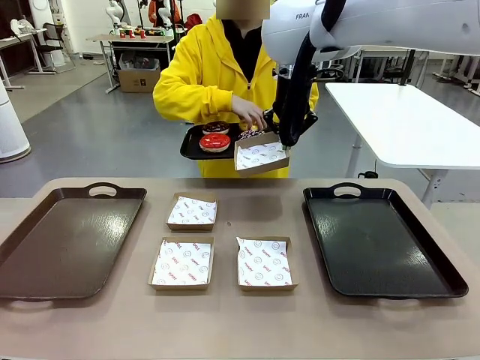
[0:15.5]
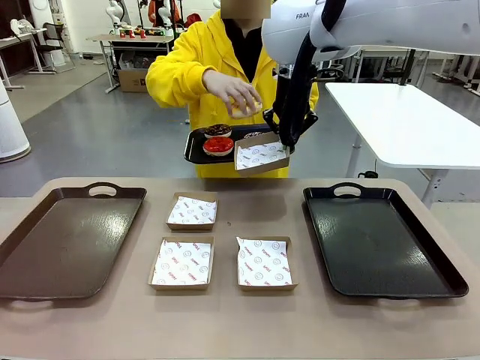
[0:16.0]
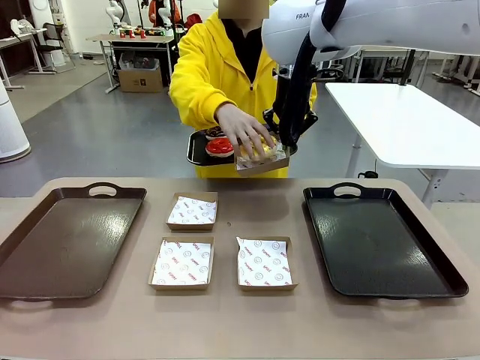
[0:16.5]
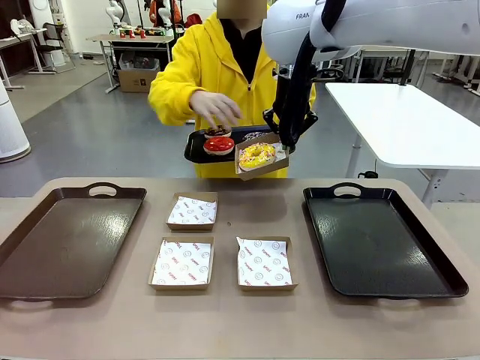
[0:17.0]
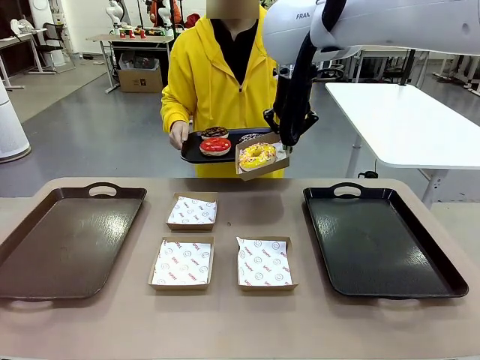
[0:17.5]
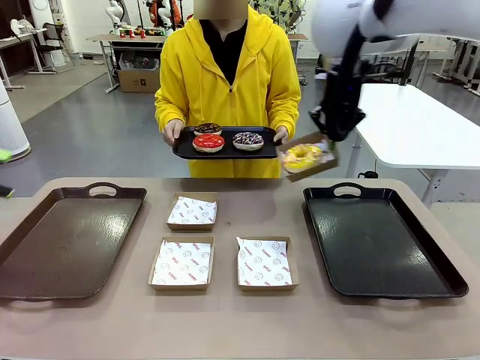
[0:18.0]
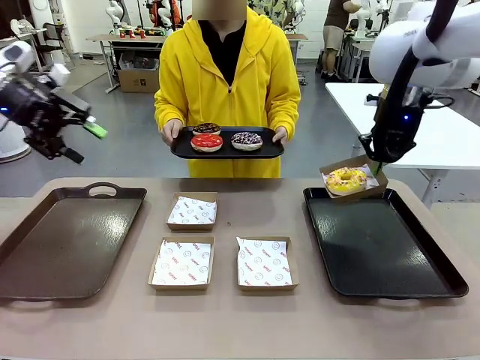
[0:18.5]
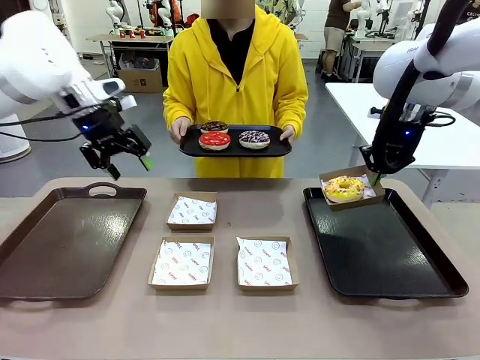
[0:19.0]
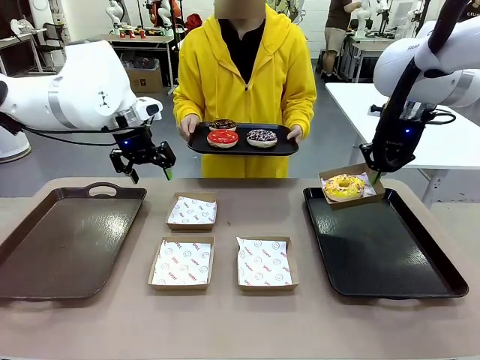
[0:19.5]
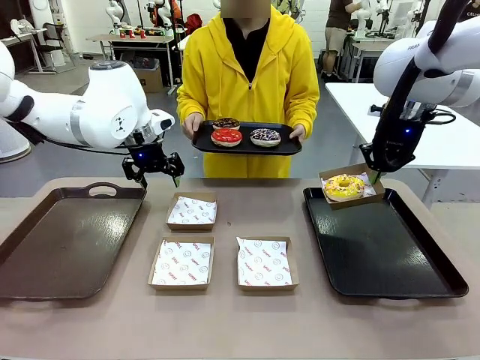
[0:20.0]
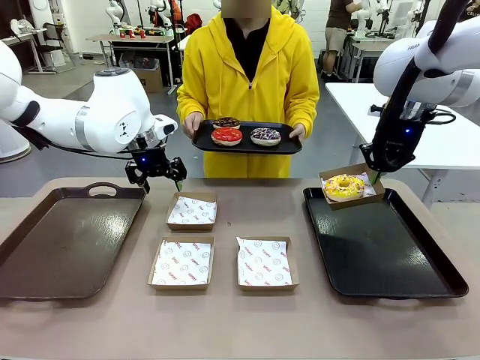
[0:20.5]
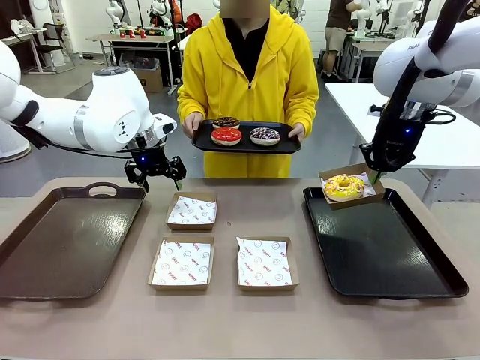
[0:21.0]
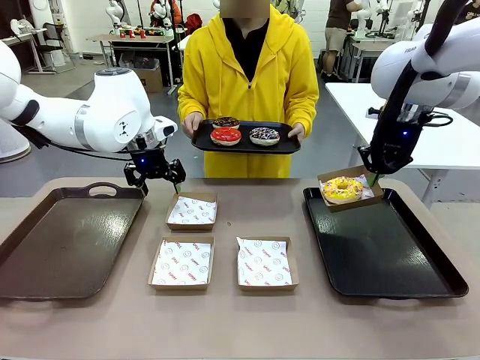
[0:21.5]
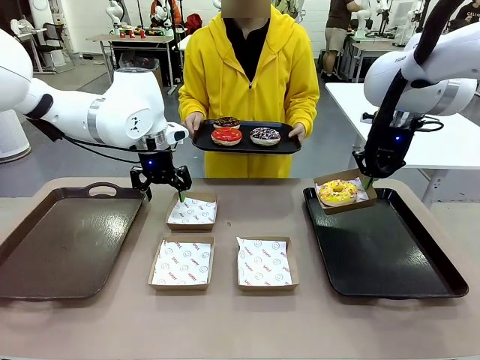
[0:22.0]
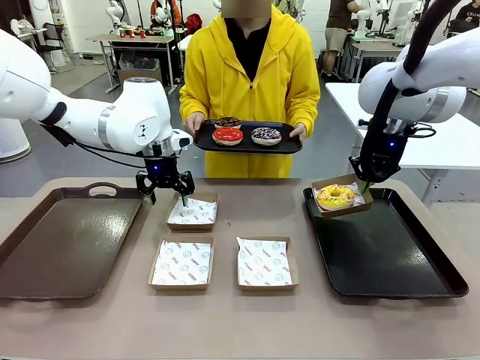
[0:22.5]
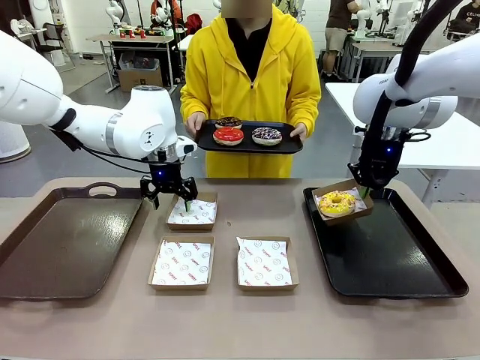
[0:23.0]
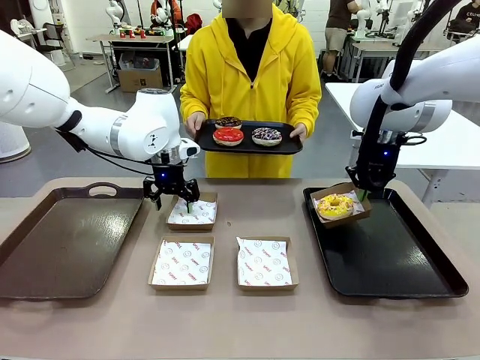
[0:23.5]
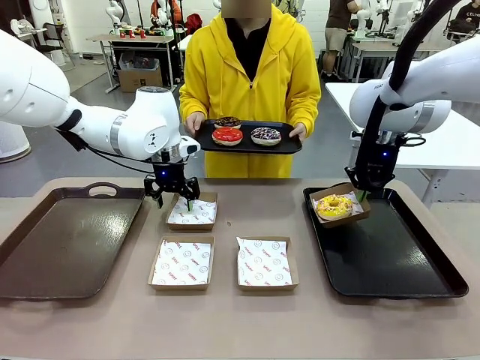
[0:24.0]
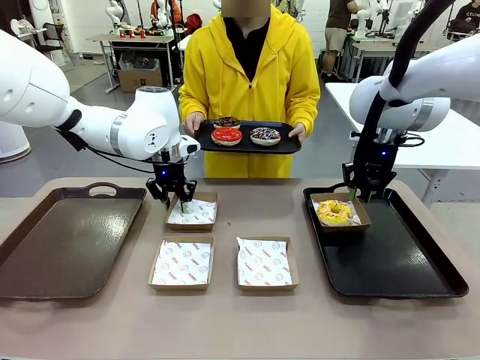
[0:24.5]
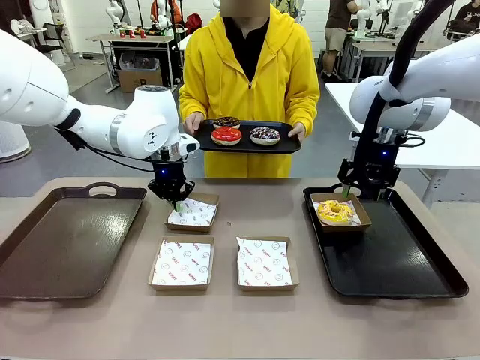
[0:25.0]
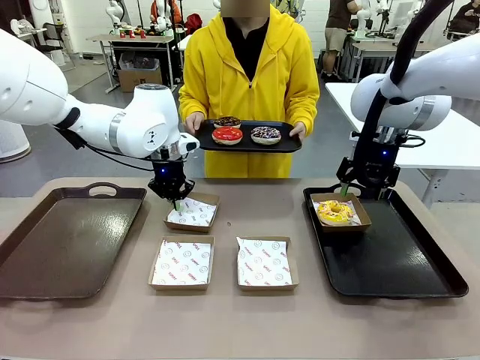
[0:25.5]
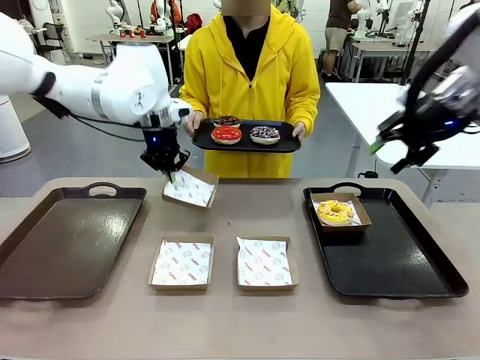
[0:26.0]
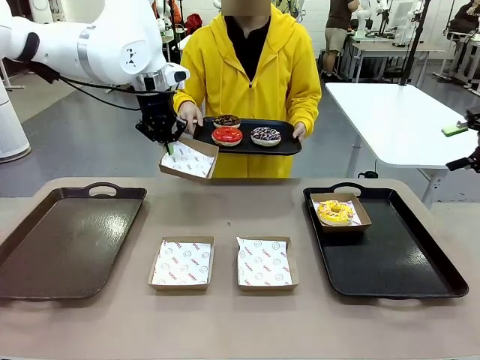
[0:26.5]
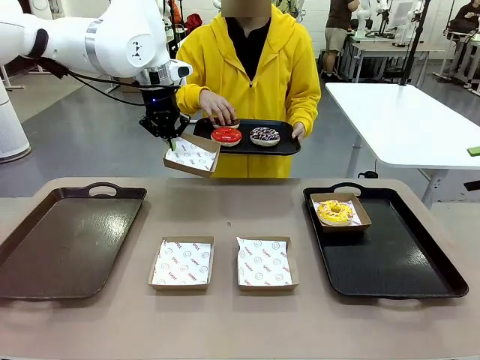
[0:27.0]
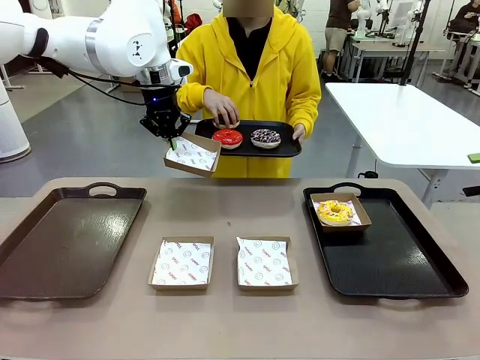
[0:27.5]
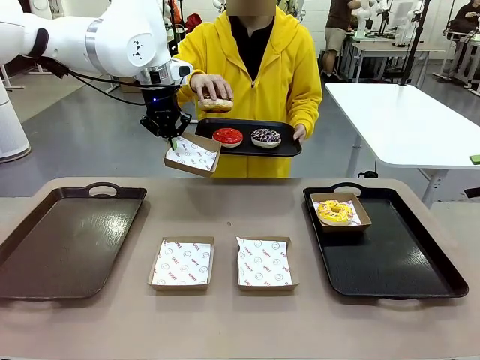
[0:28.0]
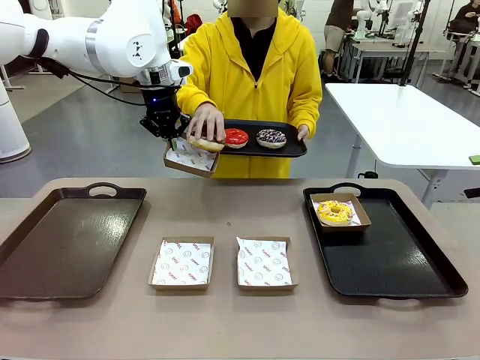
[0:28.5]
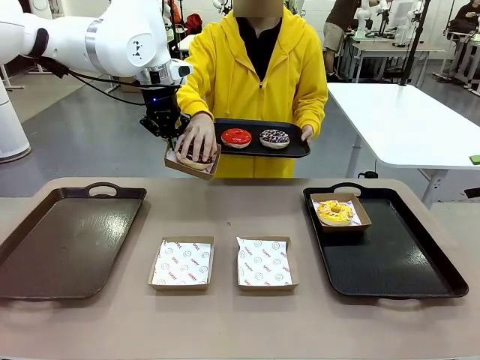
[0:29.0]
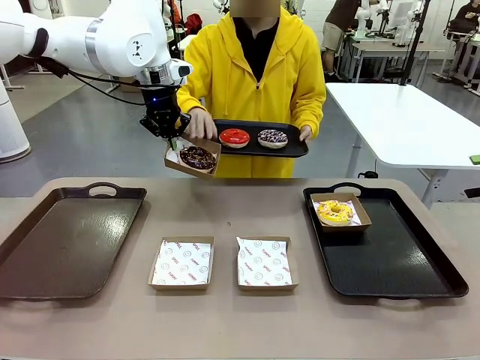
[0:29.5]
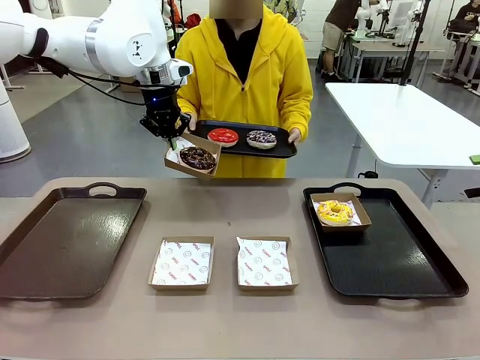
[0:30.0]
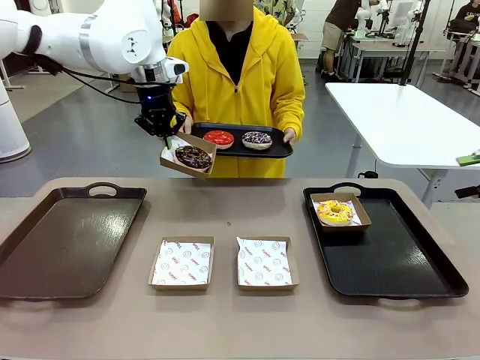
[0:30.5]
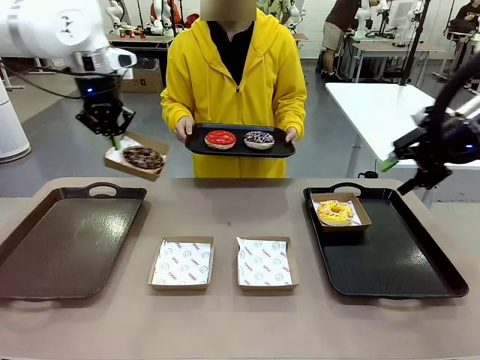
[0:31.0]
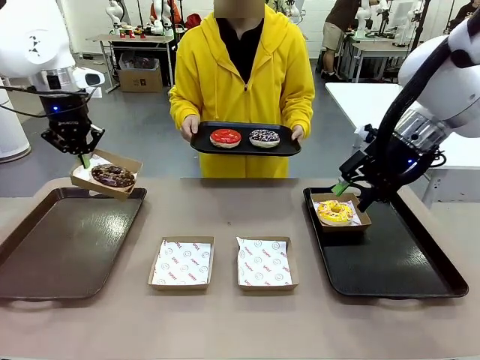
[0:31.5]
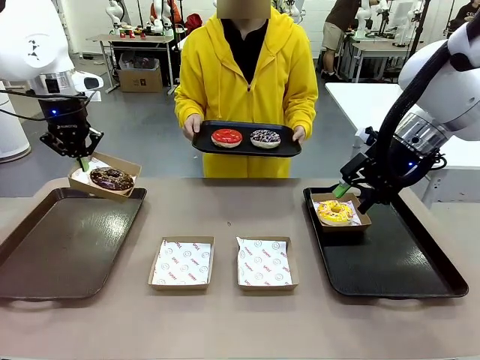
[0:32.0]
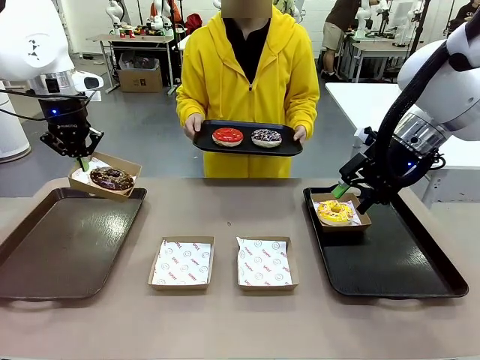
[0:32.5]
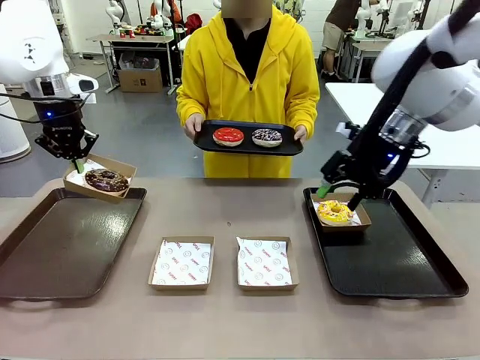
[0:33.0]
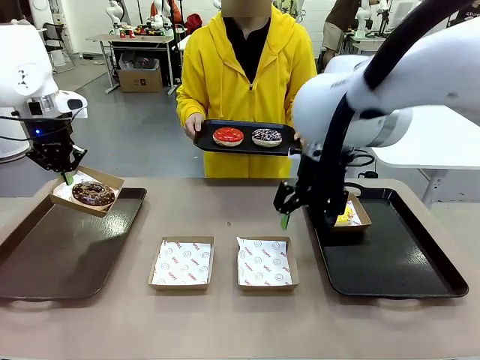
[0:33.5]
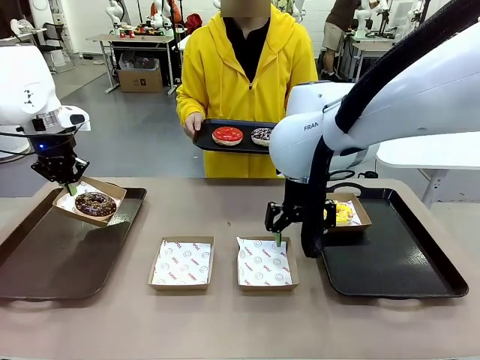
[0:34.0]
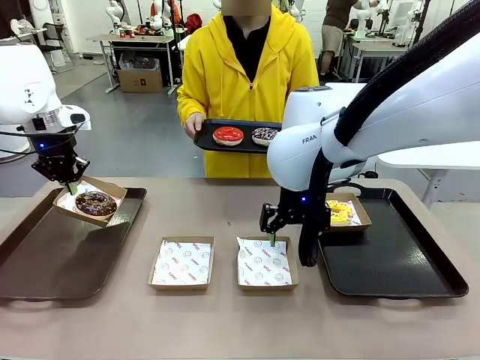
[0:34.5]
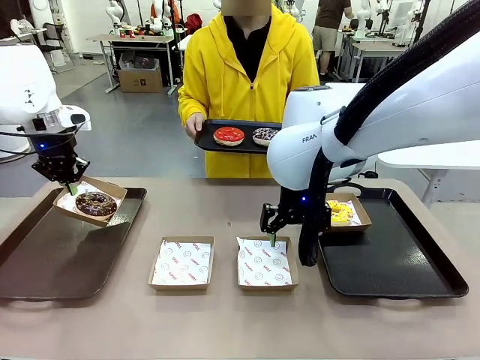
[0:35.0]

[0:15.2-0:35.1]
Task: Individually package the donuts and arrange them on the tray.
Robot: Place the picked Paper togo box on the Handle tray while simultaneously picking up another Paper togo box from the table with the other hand.
